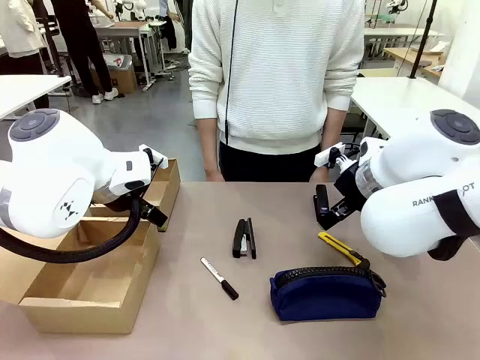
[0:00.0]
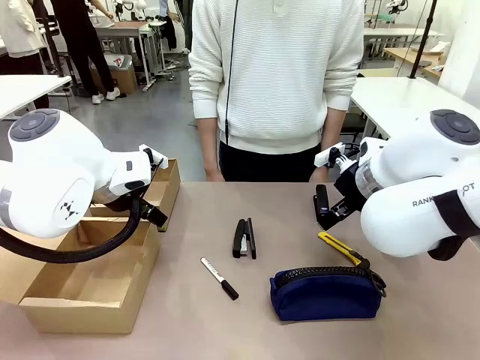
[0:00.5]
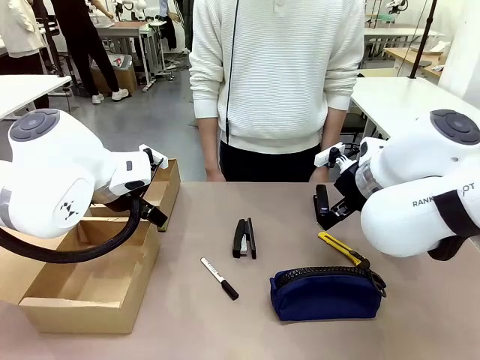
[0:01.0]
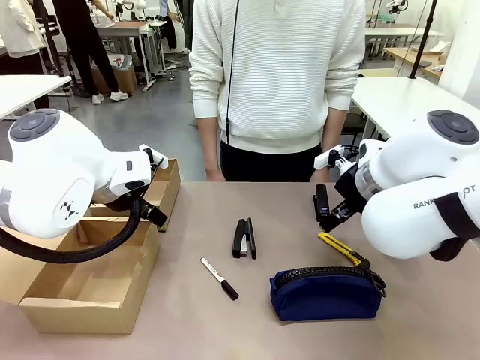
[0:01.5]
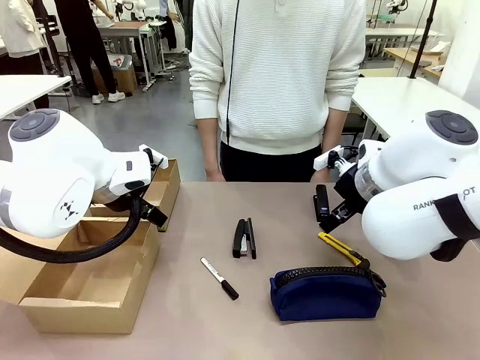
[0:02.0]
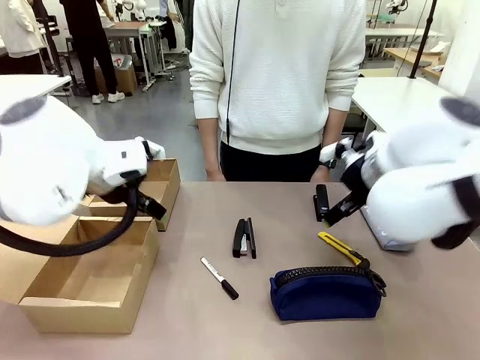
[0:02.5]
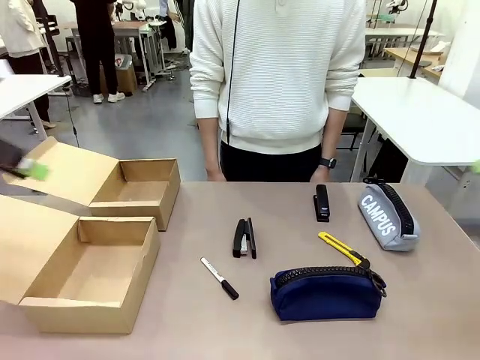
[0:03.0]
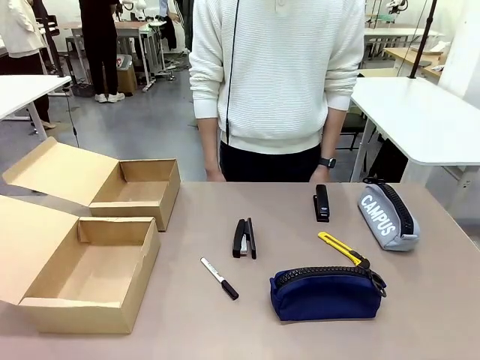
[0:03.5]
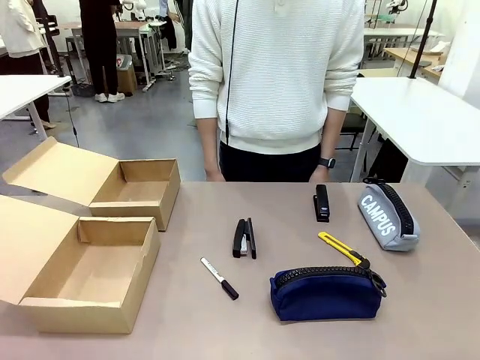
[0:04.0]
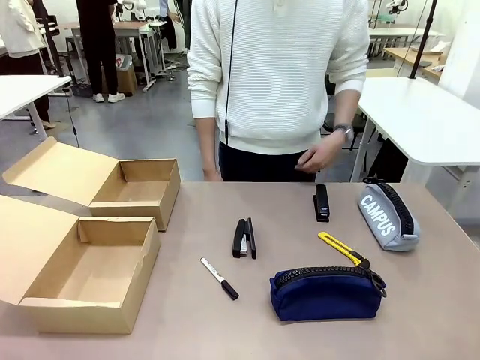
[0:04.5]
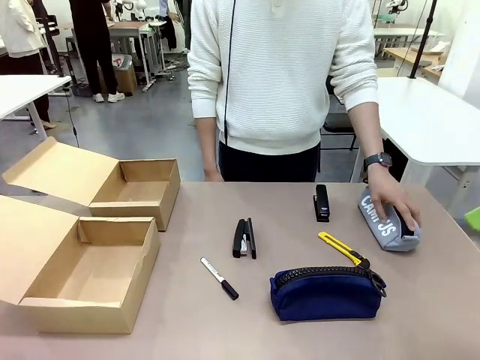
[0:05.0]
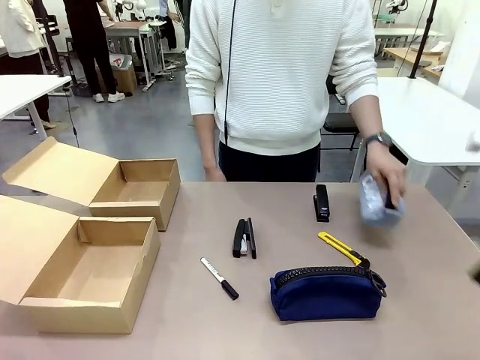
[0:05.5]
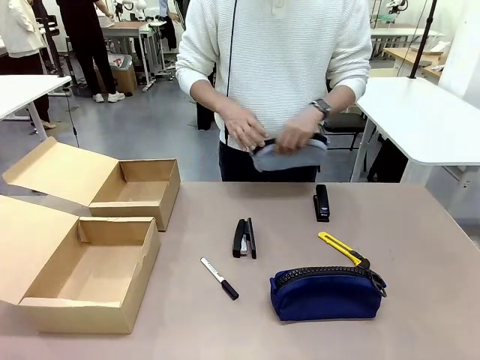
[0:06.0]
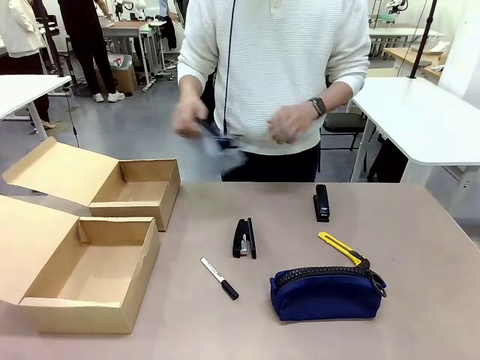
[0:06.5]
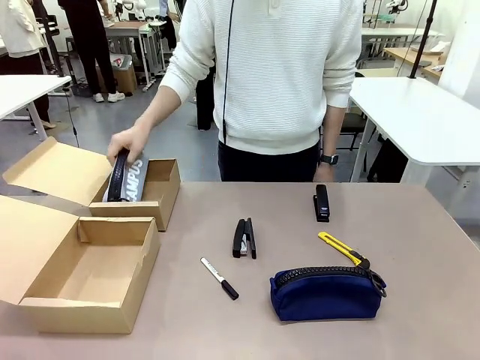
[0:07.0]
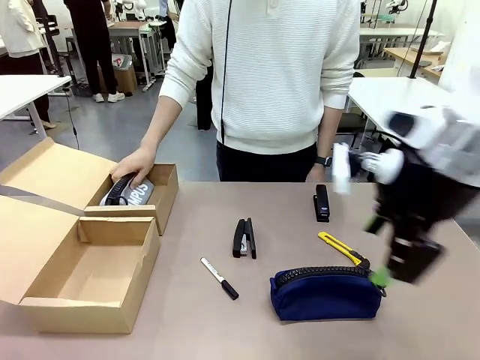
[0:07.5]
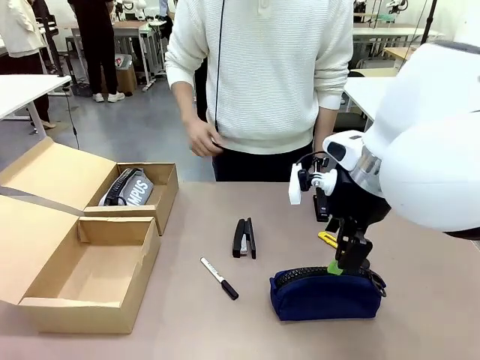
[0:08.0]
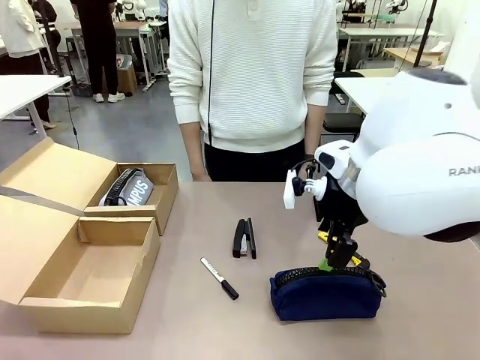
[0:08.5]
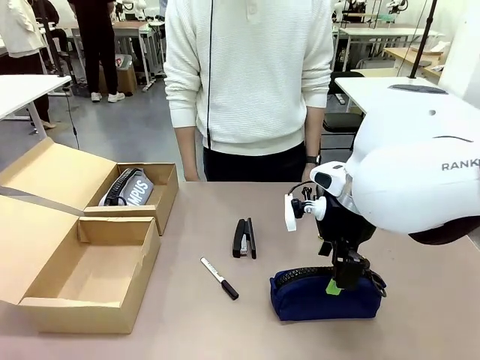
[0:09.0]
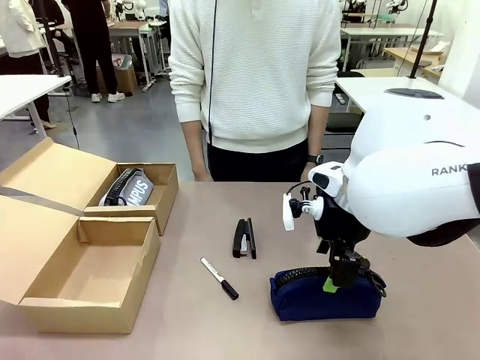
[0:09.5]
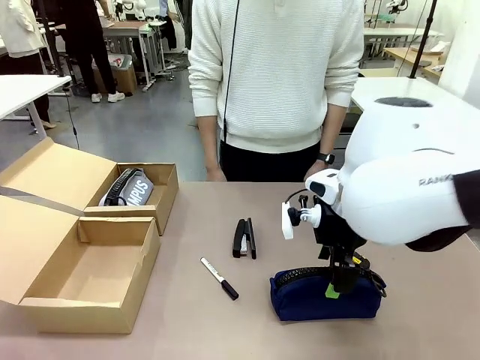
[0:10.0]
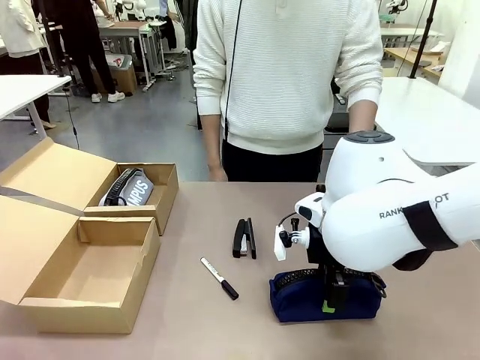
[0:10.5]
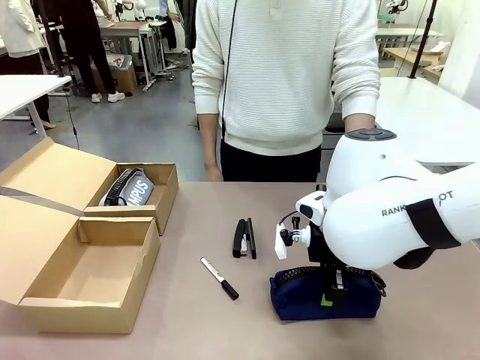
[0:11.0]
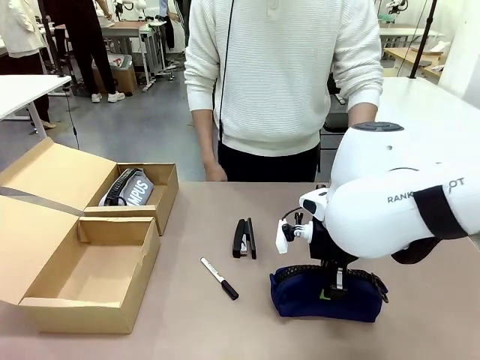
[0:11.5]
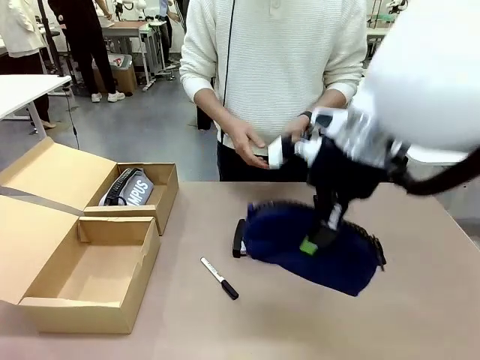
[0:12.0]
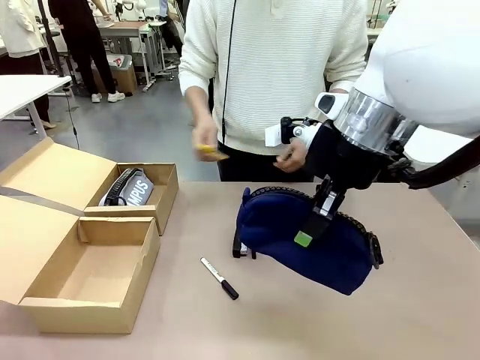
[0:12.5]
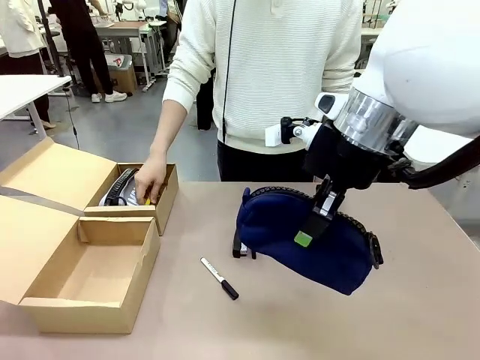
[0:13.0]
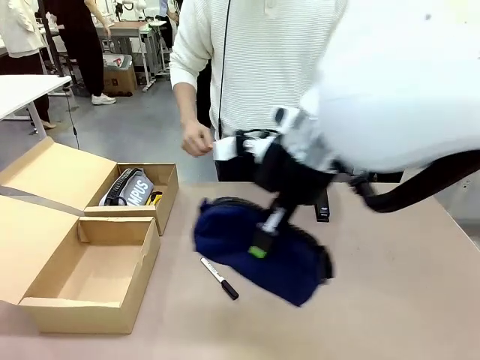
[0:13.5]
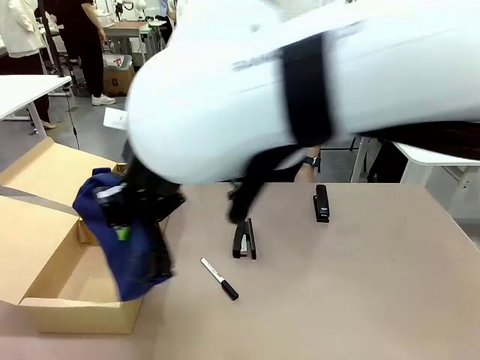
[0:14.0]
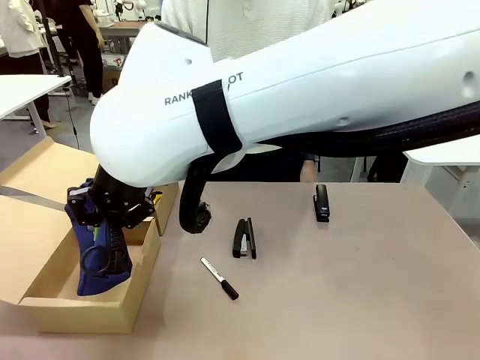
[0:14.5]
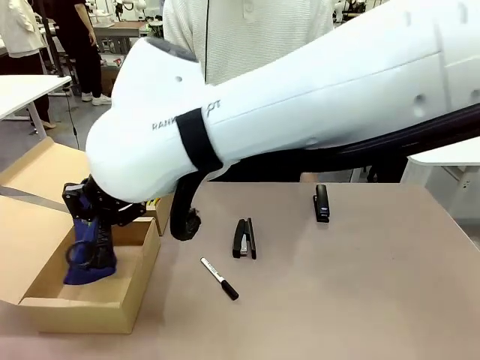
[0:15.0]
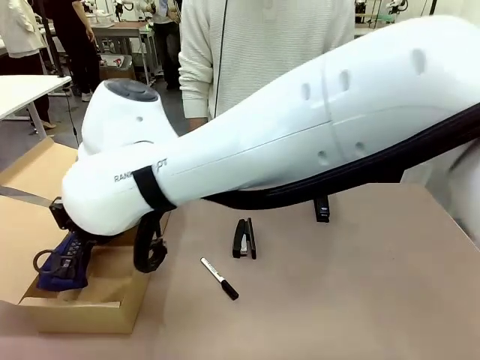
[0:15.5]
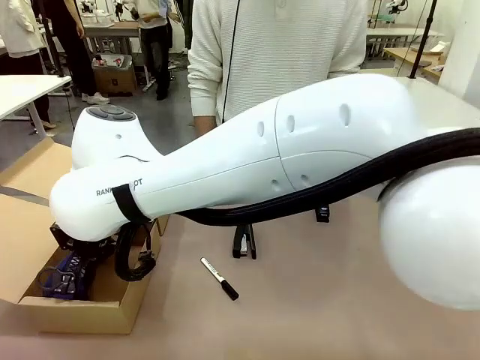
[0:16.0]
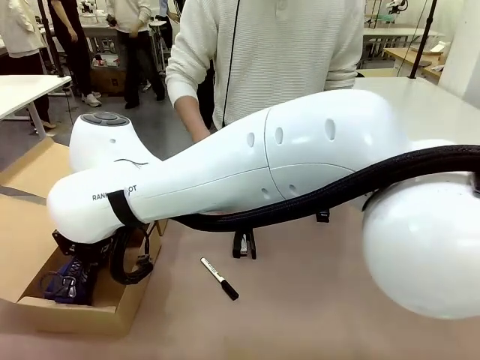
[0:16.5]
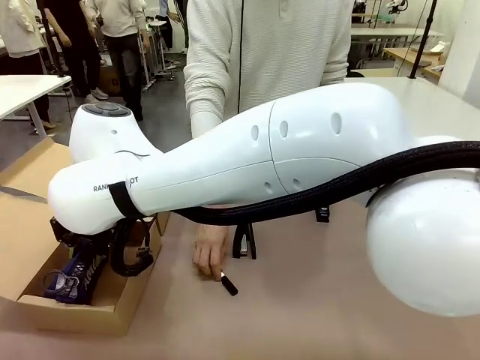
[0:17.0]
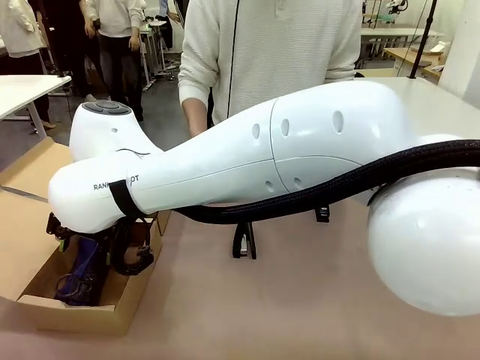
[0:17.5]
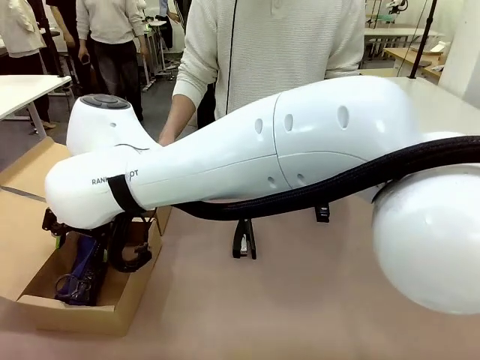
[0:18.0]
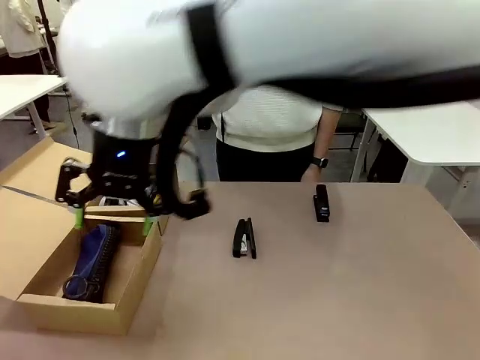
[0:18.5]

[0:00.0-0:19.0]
Task: Place items inside the box.
Robot: Pick up a Pencil pouch or Stapler and place it inside the Mailer Box closest to the robot.
Person: Pick up an object on the table and put it in the box.

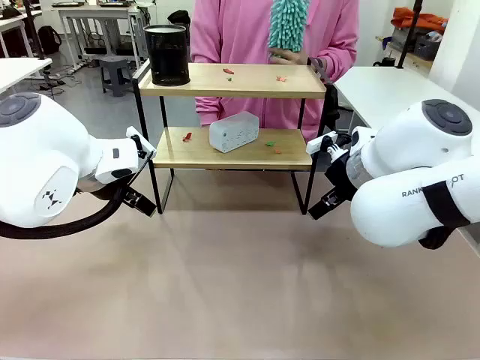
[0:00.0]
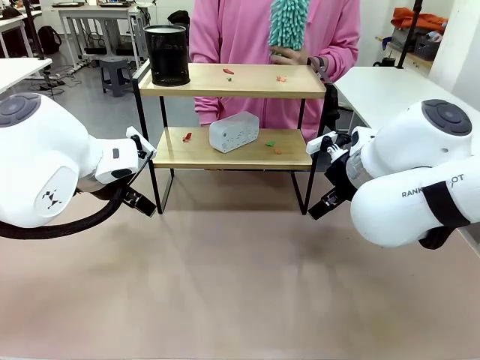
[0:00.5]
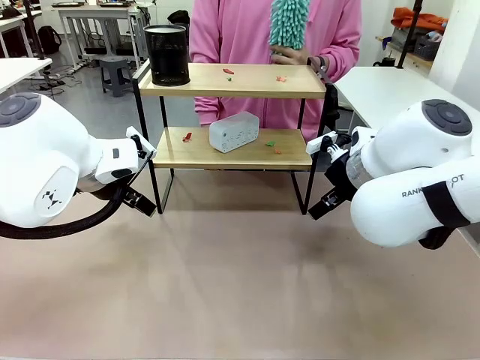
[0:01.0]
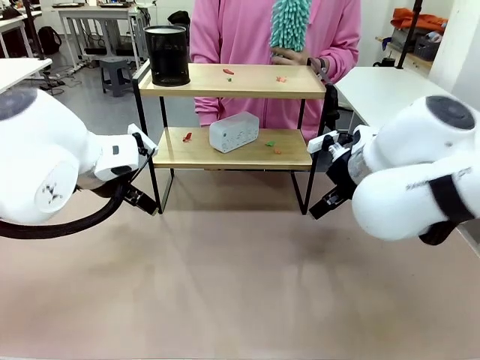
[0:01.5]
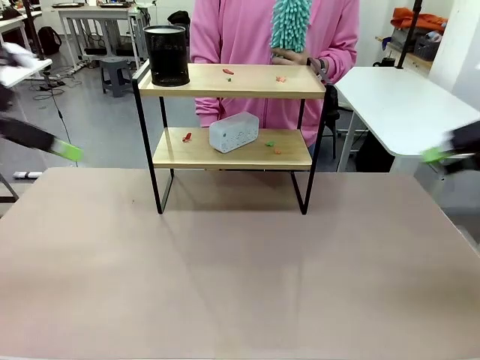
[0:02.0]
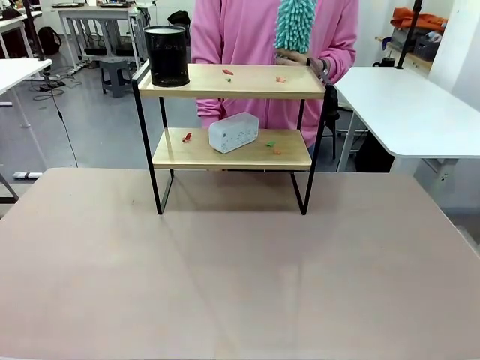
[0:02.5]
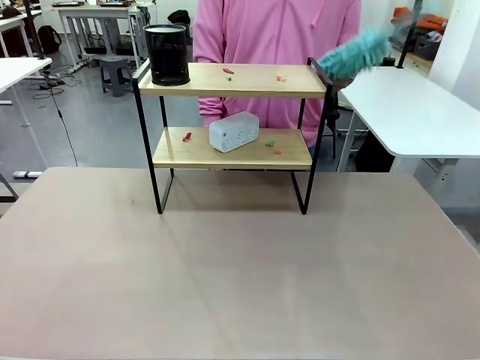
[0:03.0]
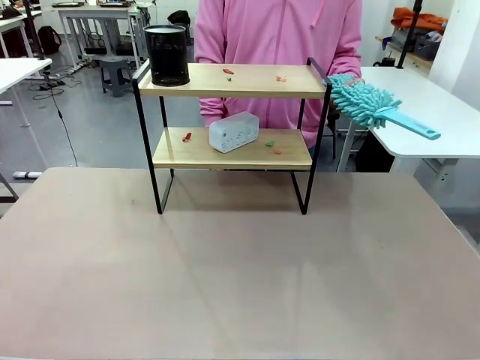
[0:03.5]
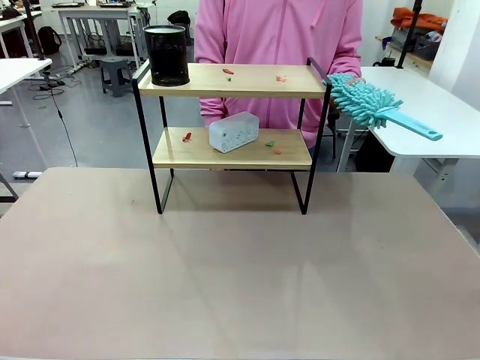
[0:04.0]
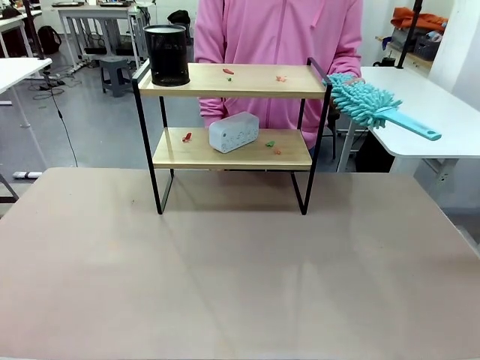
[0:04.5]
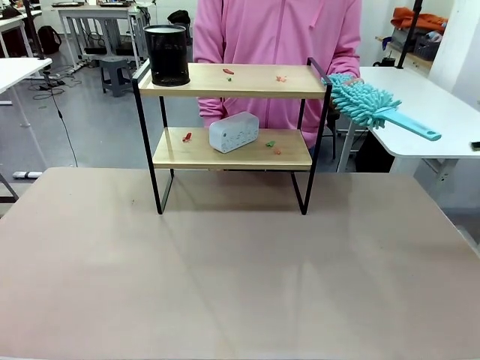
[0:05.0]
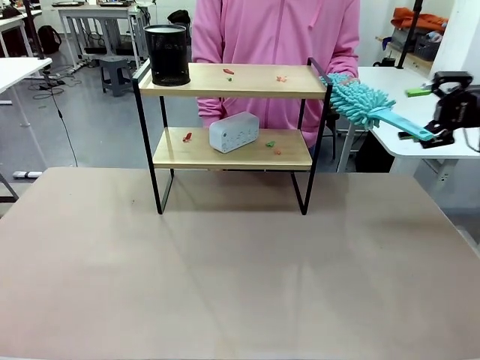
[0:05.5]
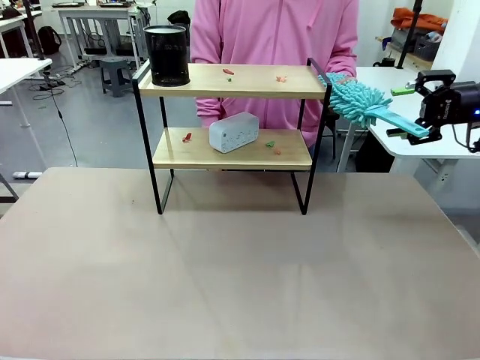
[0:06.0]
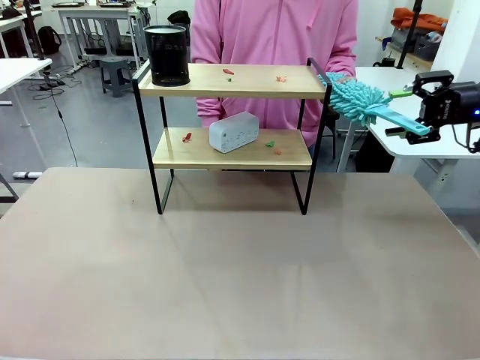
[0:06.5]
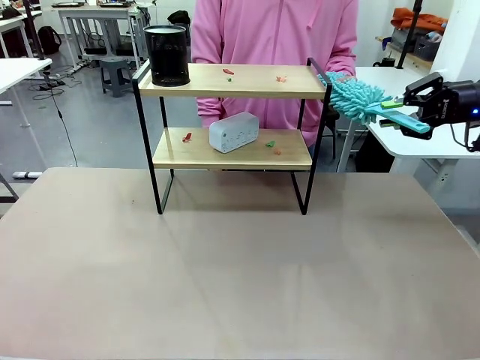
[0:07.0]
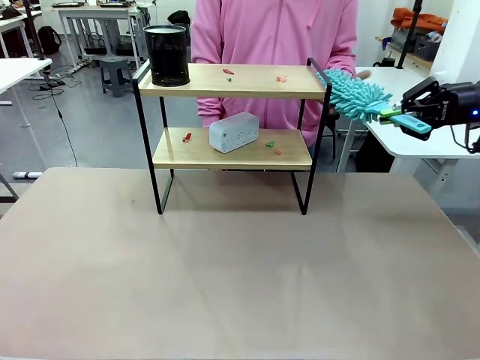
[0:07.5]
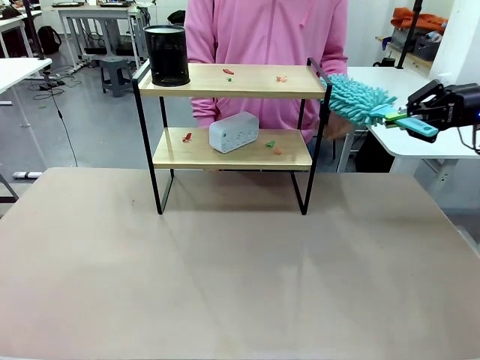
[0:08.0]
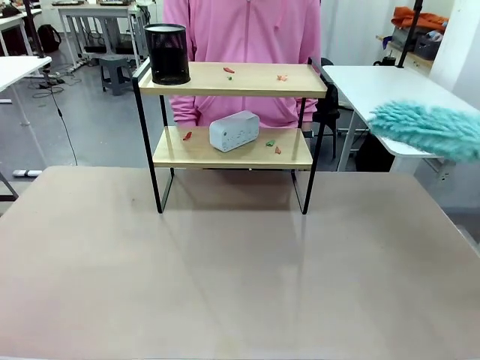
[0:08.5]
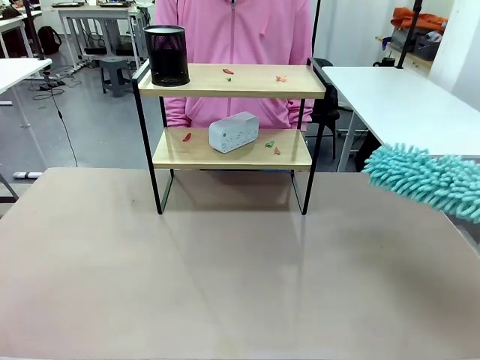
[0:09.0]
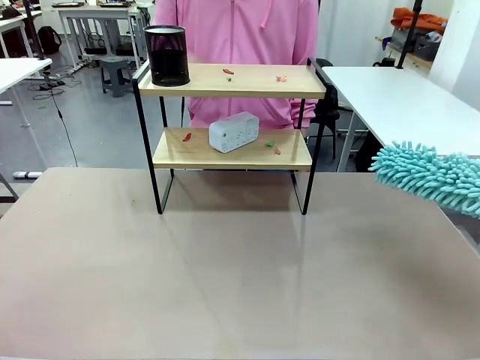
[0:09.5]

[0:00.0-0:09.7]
Task: Clean the shelf.
Robot: Pick up the Duster from the human.
Person: Hand the Duster to the robot.
